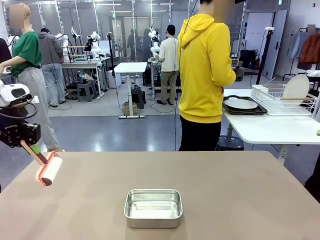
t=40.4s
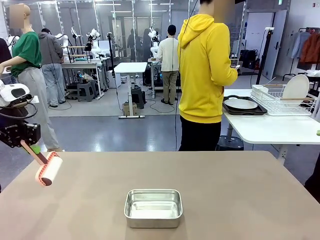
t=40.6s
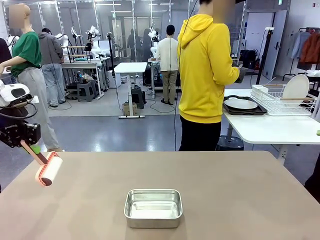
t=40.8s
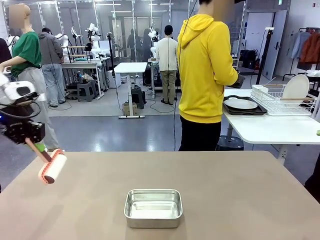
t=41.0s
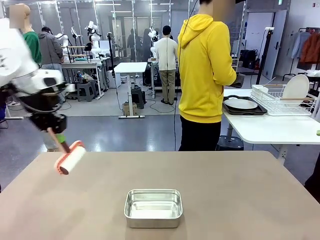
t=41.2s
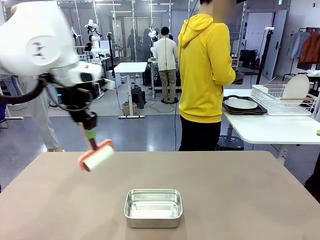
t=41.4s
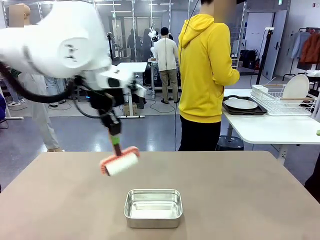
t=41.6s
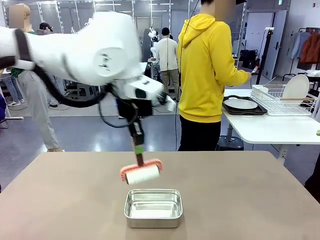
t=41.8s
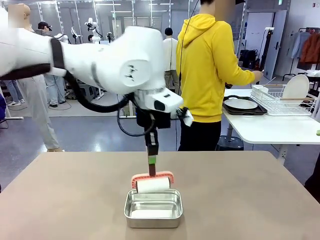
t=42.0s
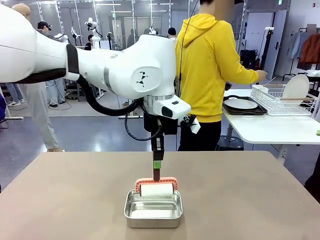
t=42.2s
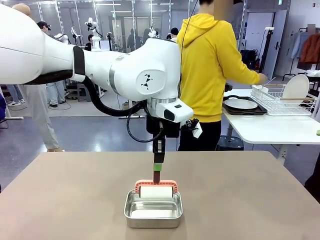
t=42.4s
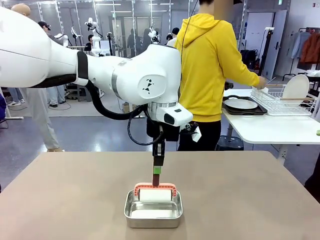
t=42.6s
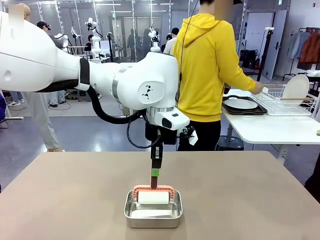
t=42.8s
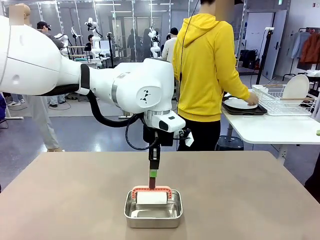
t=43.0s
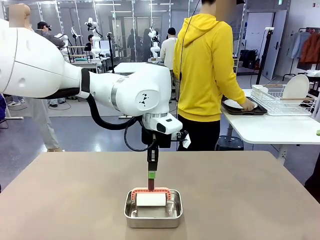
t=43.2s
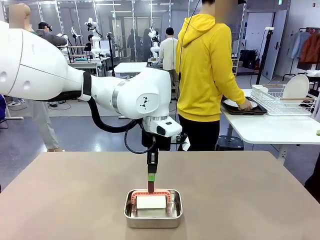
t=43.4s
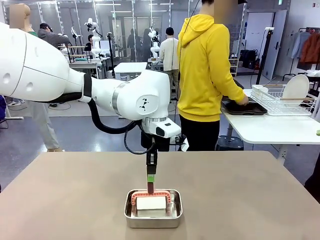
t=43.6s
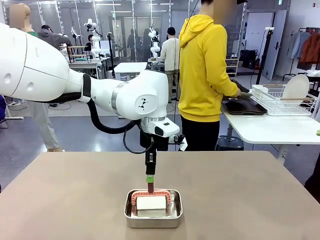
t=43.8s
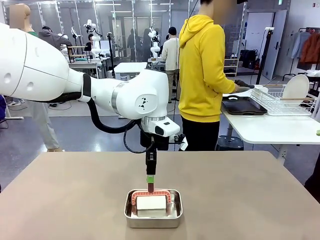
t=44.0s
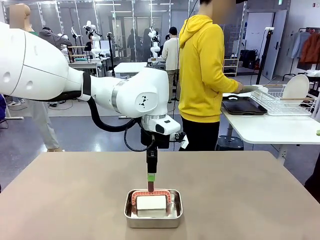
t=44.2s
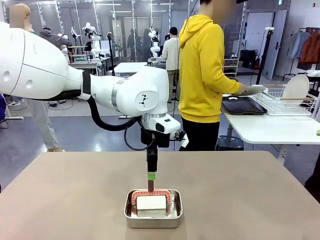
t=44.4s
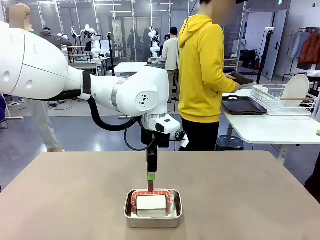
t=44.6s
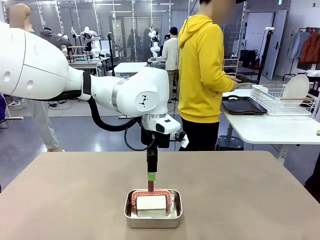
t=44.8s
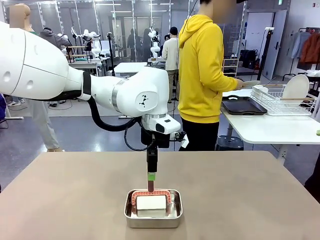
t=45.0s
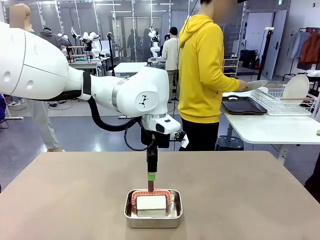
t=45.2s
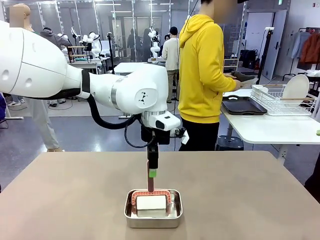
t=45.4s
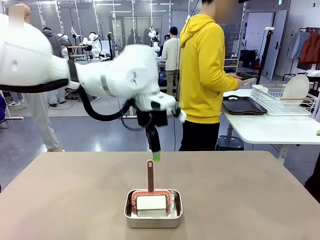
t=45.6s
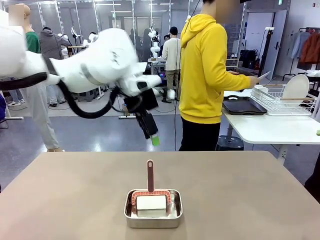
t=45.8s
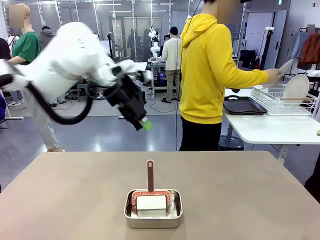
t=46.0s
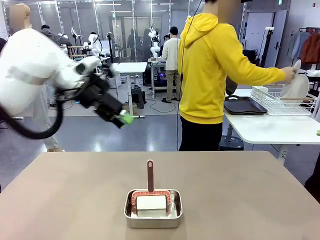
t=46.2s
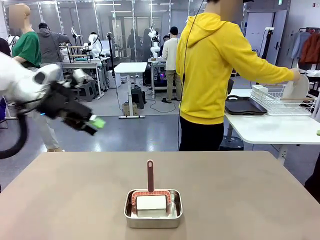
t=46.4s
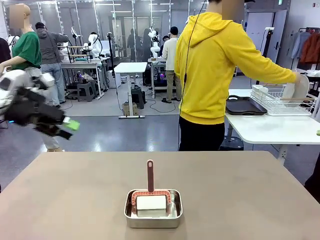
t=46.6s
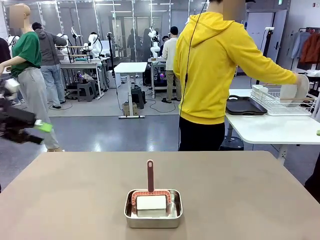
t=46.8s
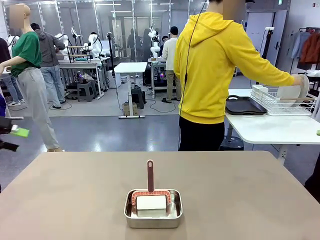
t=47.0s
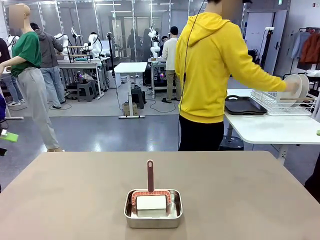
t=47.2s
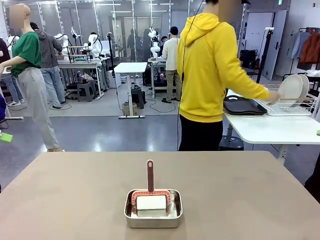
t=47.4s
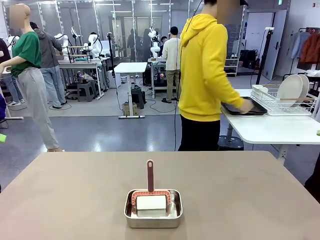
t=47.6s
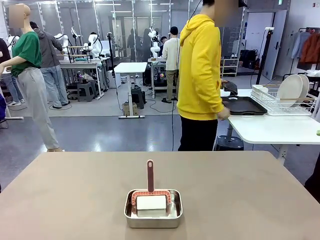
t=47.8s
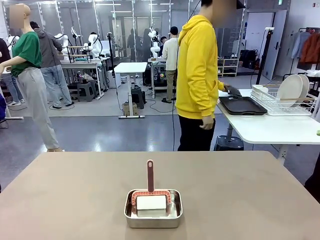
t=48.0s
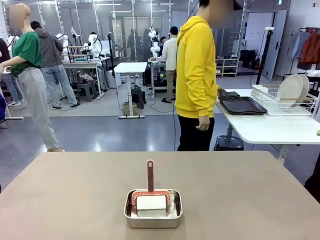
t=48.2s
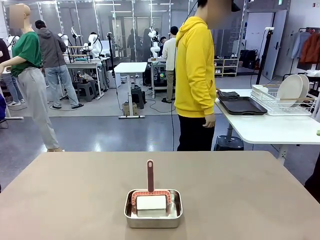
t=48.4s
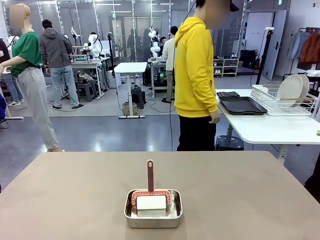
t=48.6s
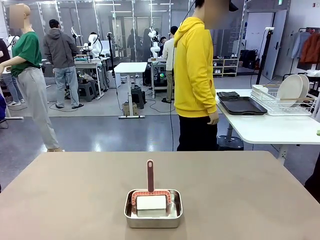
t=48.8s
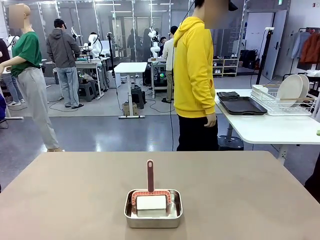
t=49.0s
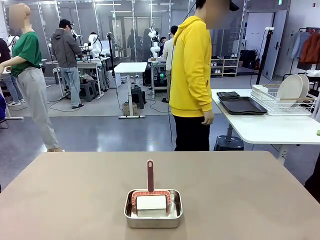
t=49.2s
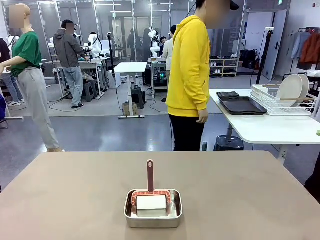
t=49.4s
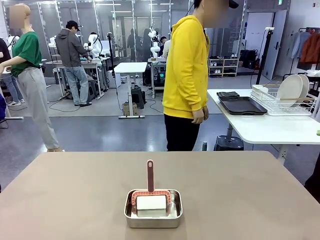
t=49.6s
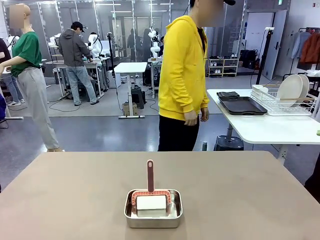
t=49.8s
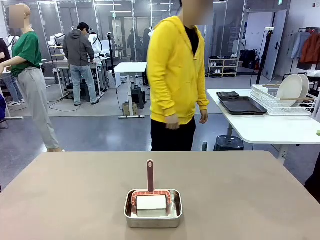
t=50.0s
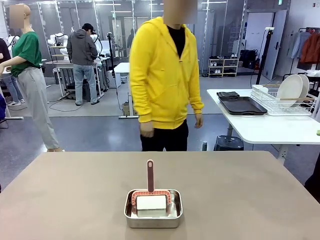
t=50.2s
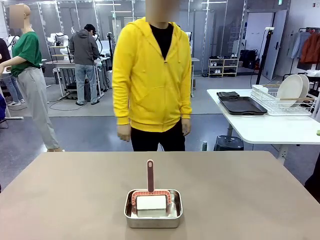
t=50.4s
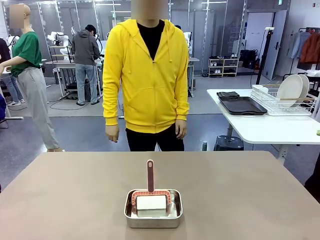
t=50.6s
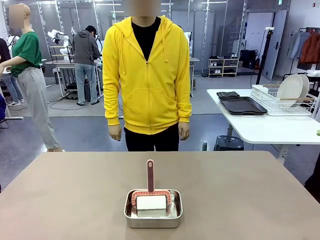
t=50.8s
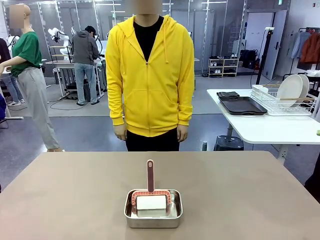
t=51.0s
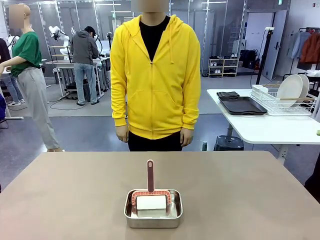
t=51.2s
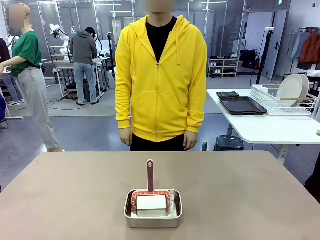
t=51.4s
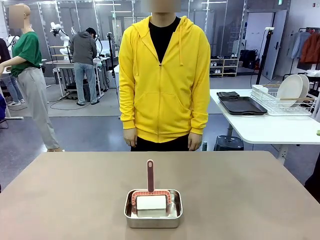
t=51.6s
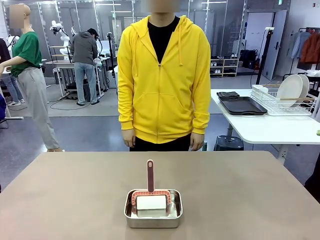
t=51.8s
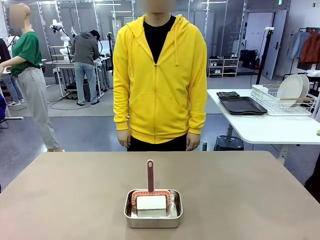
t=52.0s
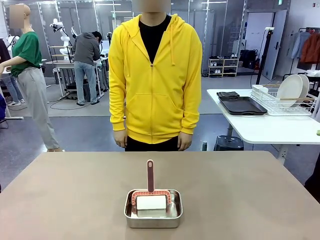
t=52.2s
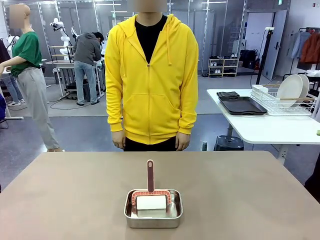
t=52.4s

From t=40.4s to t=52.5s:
Robot: Place the Lint Roller back on top of the Airtight Container.
Person: Use the Towel with hook to wipe the Plastic Matte Plate , Fork , and Knife and place into the Dish drying rack.

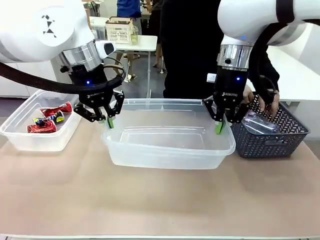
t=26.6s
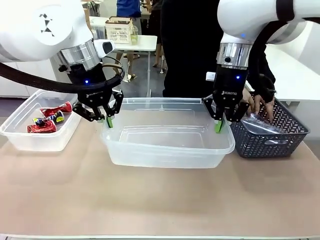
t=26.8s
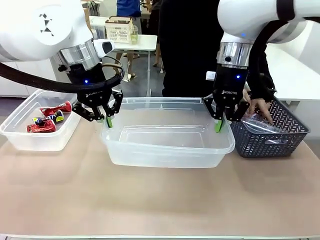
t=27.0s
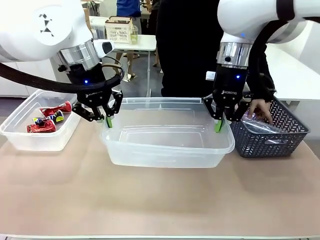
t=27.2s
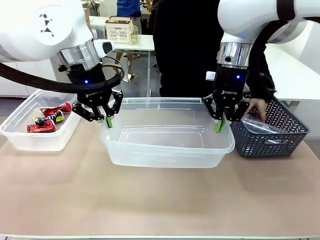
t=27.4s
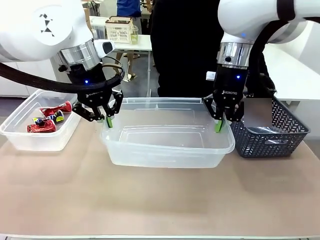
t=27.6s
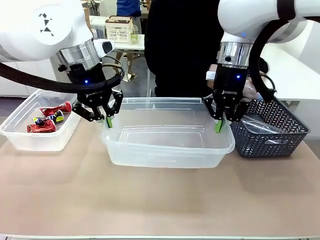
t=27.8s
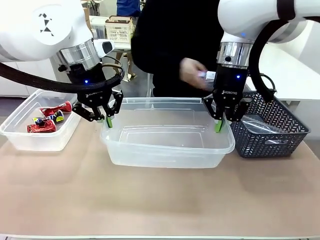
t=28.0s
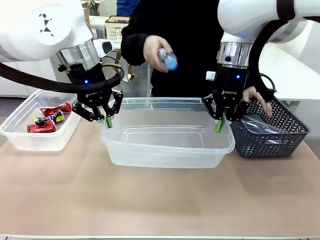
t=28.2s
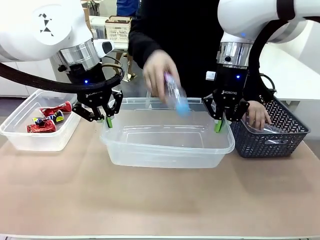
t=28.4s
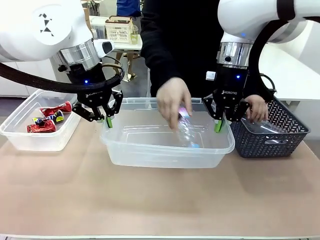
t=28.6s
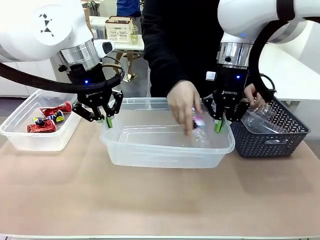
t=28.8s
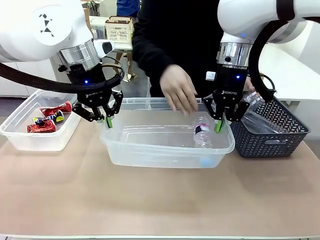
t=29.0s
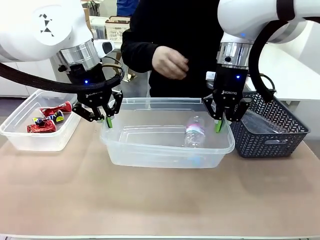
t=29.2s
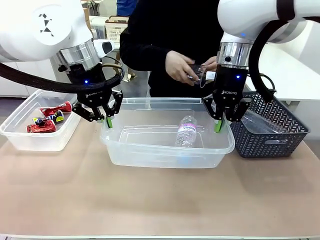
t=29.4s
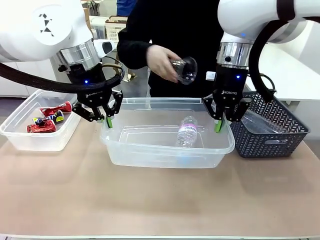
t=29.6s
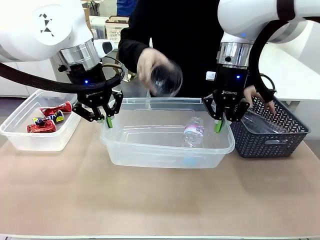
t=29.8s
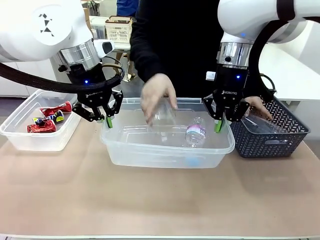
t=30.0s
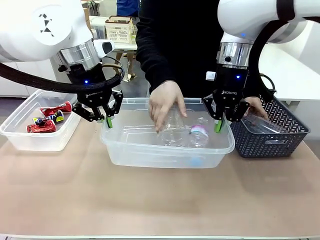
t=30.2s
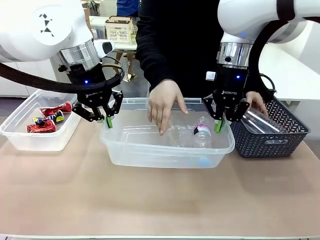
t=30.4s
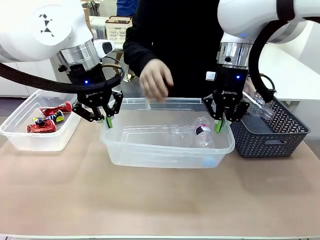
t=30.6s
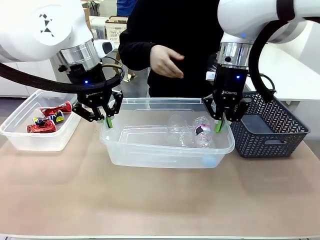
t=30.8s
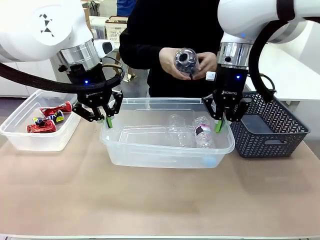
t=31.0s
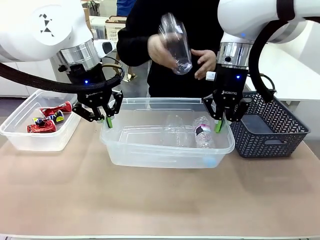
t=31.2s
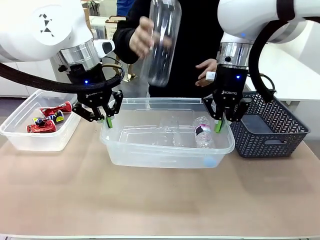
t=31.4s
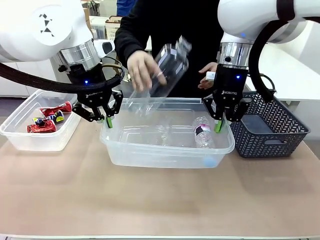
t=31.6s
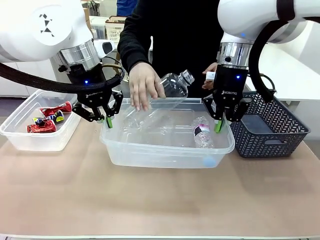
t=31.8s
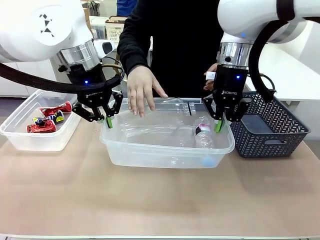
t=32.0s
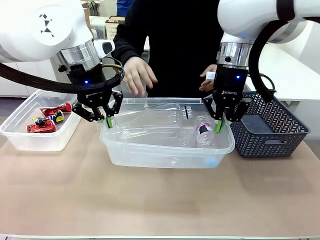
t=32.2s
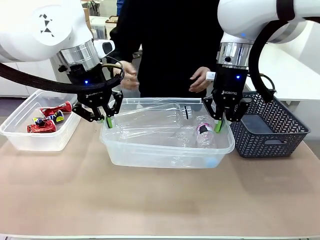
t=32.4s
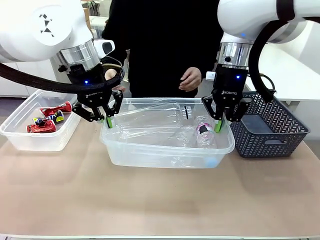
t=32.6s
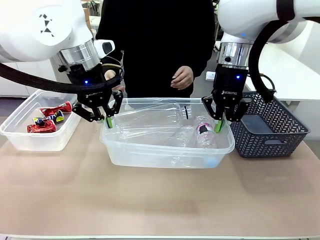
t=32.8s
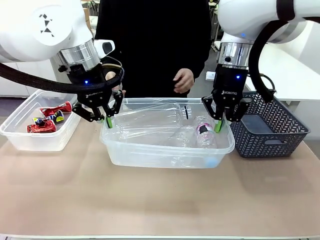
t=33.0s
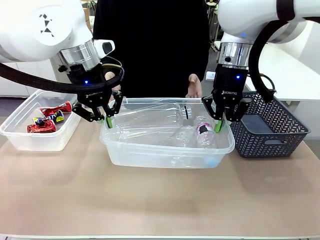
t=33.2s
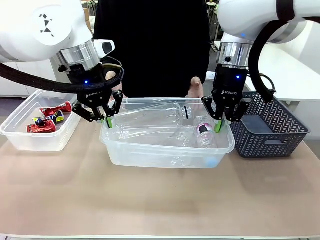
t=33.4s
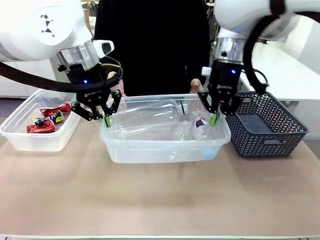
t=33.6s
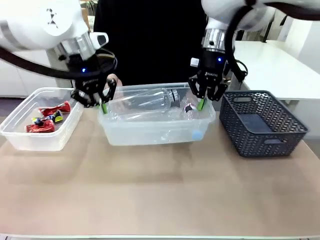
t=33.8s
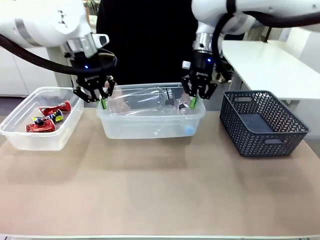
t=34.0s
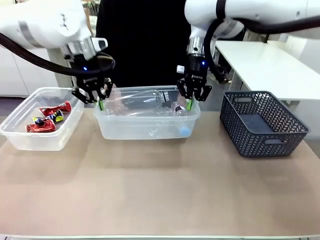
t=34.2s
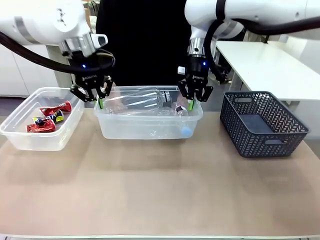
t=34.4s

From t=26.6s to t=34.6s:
Robot: Offer the picked Organizing box to the human.
Person: Pick up plastic waste one by one and place it into the organizing box lifted by the robot.
